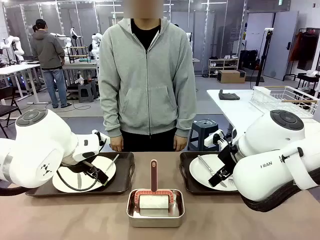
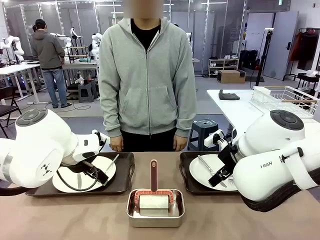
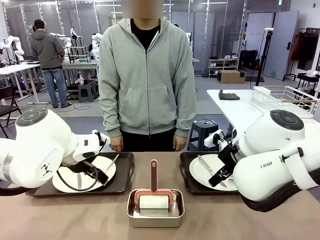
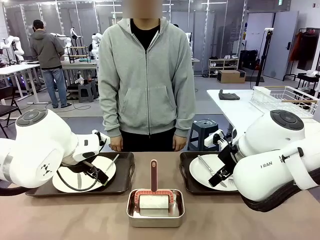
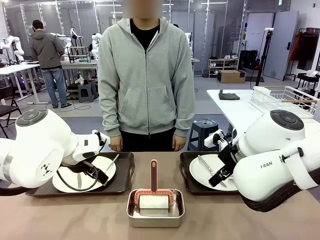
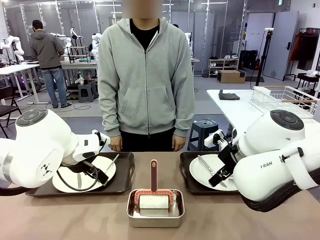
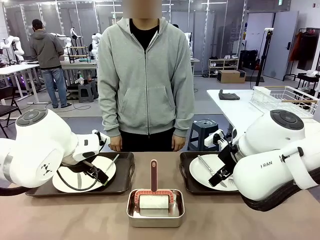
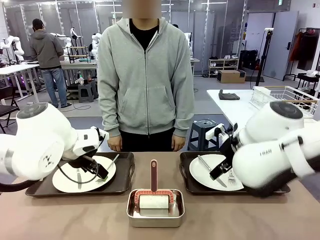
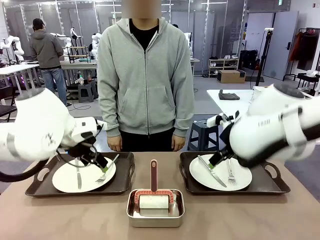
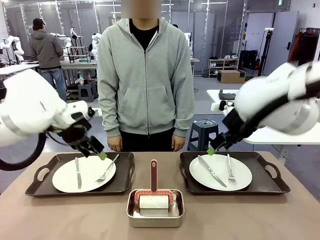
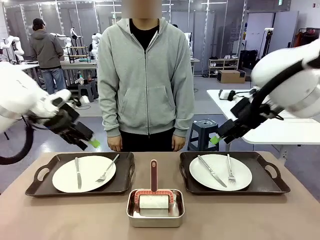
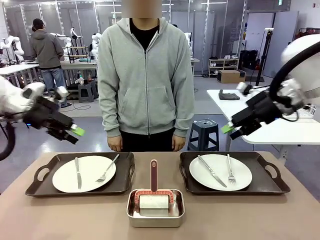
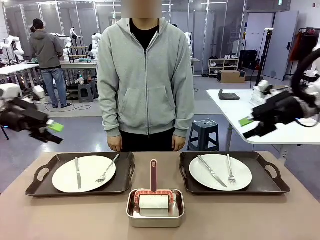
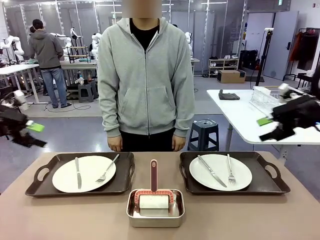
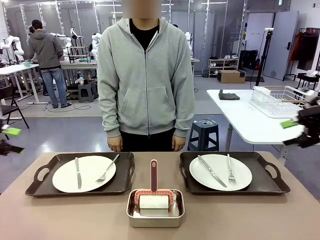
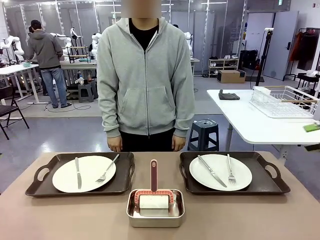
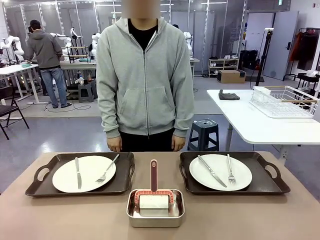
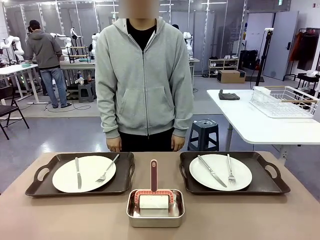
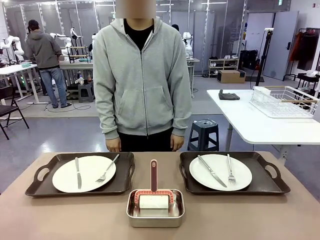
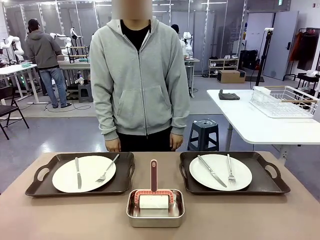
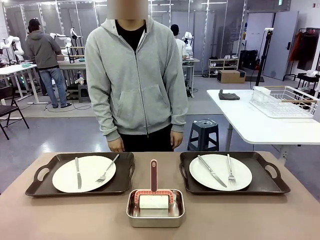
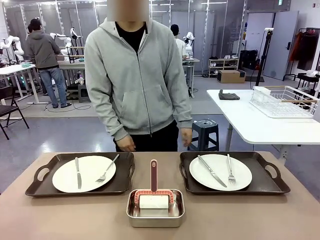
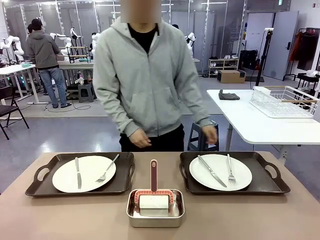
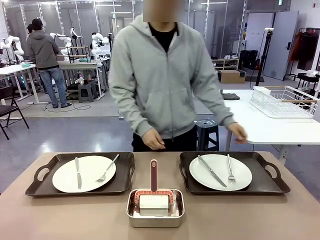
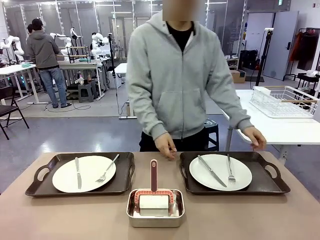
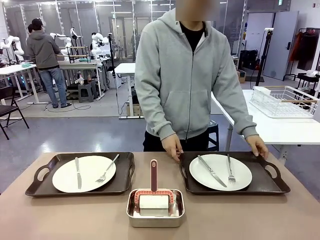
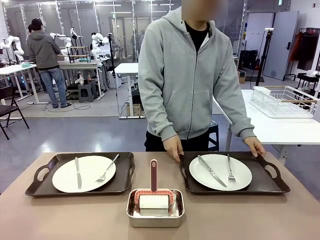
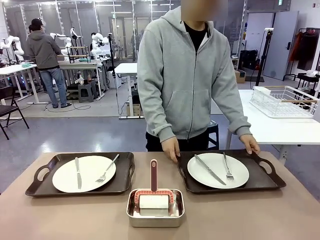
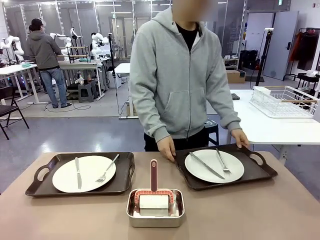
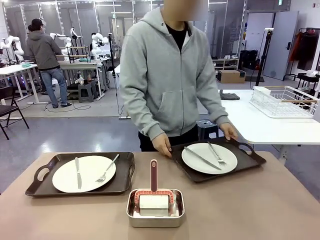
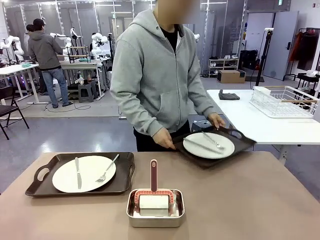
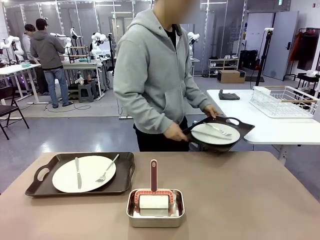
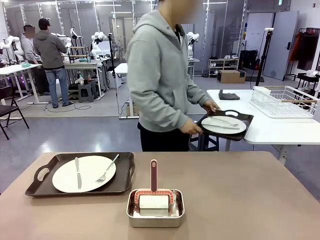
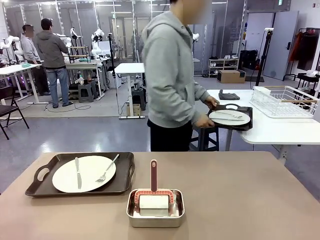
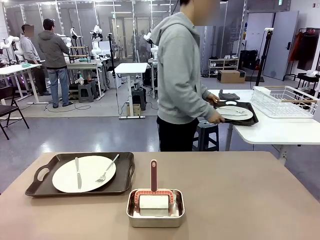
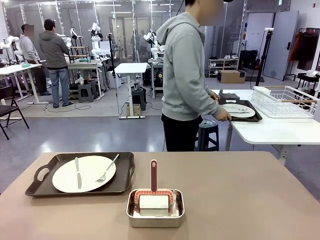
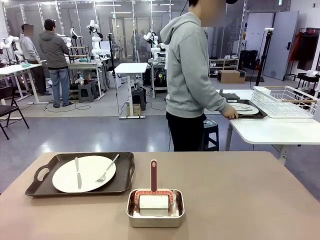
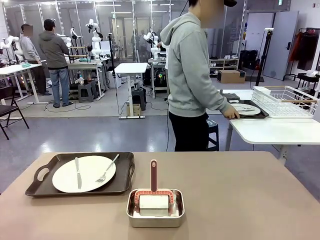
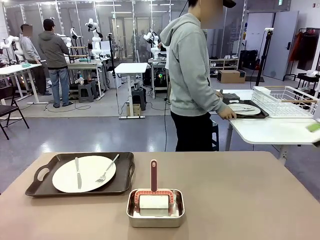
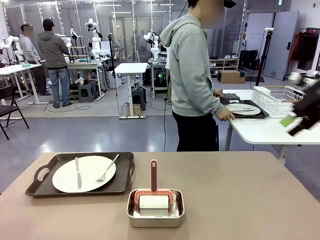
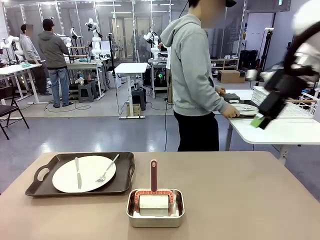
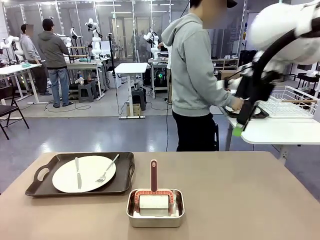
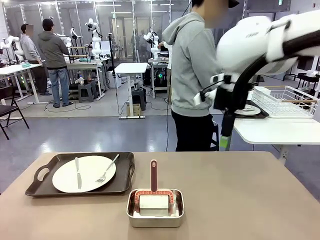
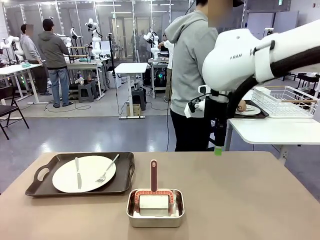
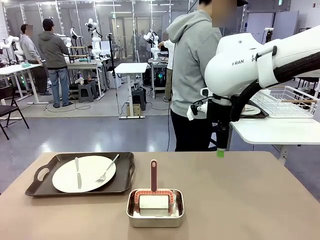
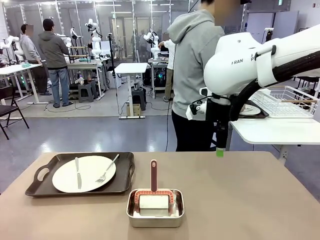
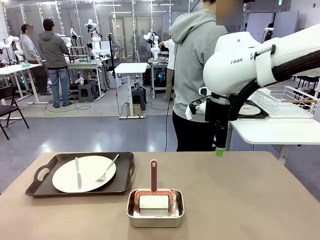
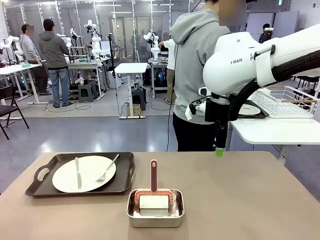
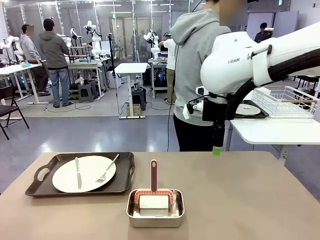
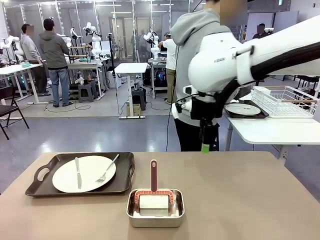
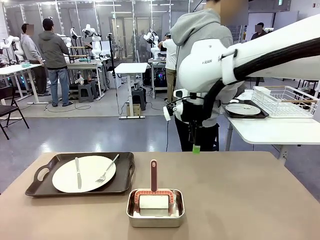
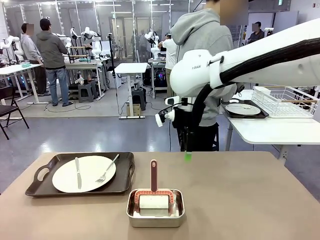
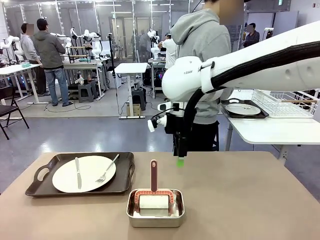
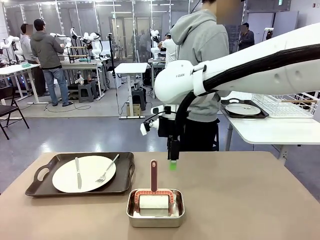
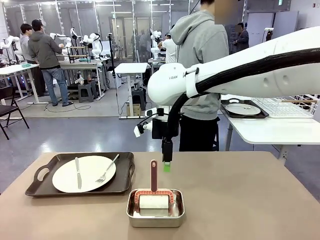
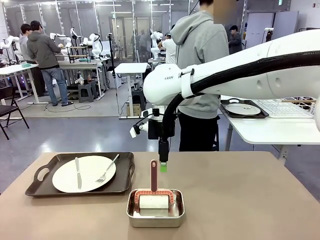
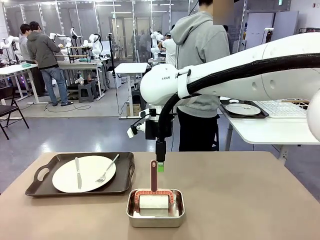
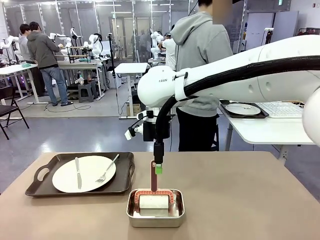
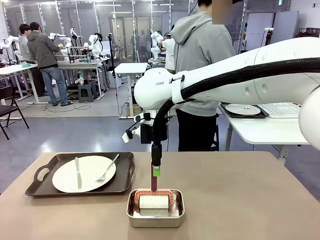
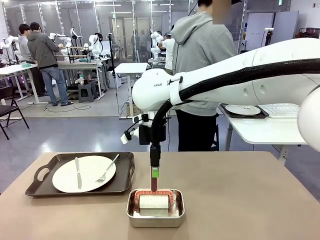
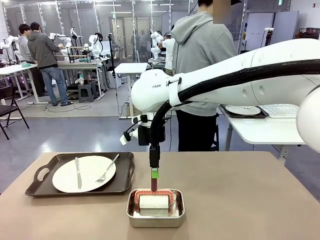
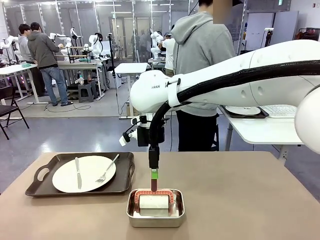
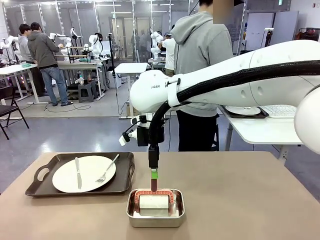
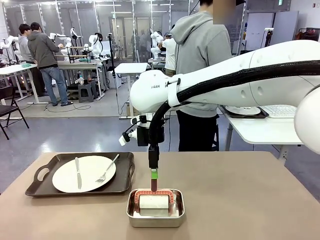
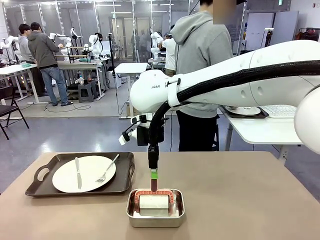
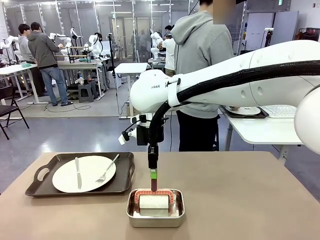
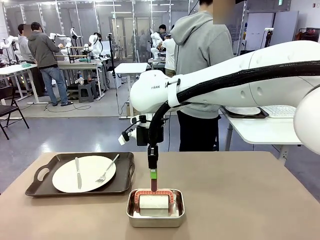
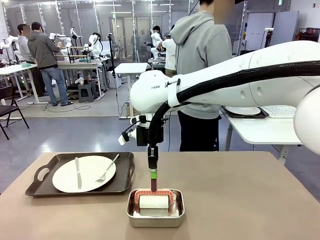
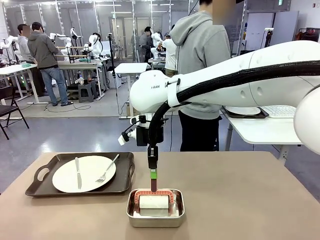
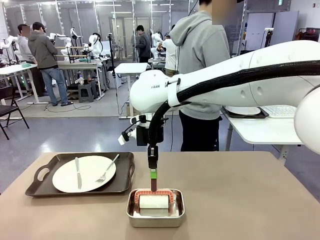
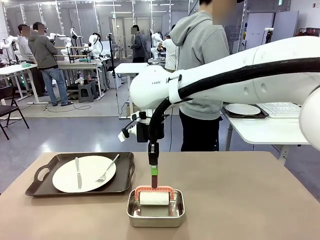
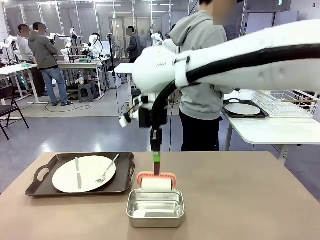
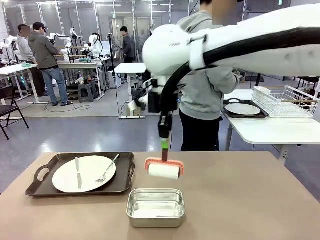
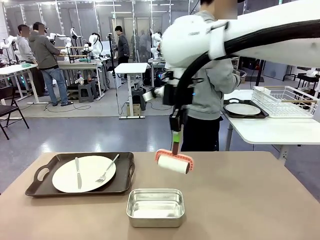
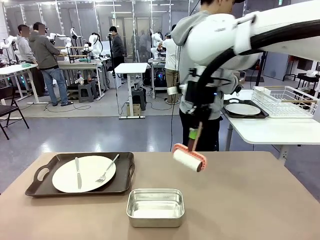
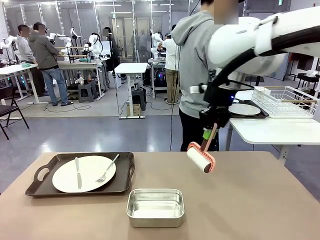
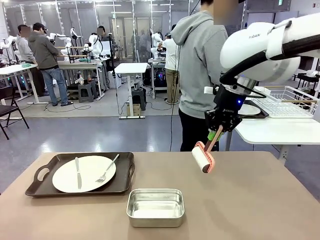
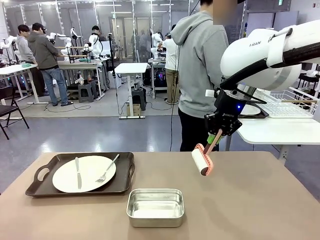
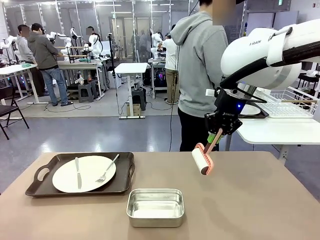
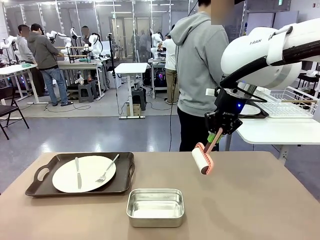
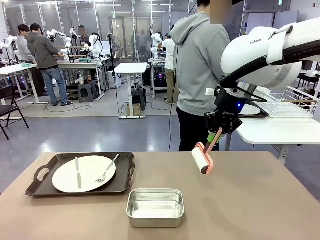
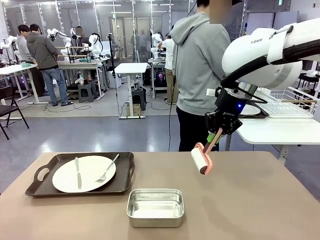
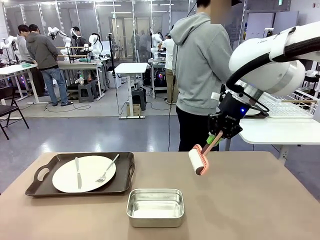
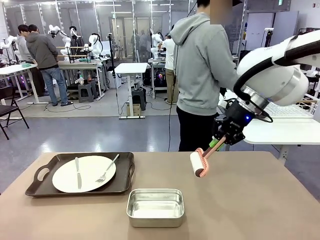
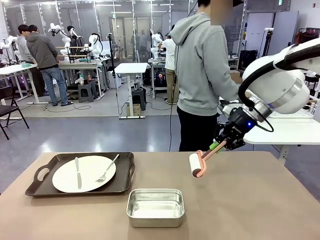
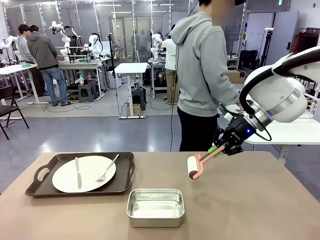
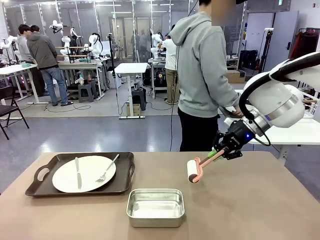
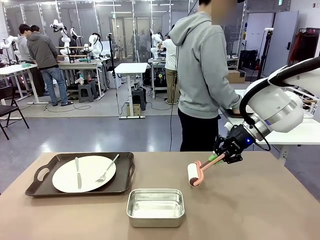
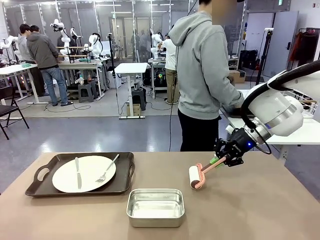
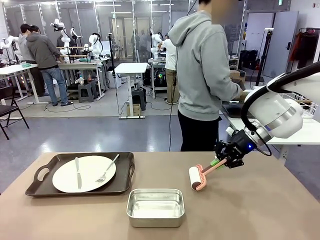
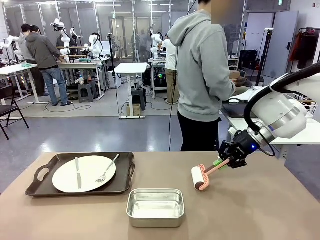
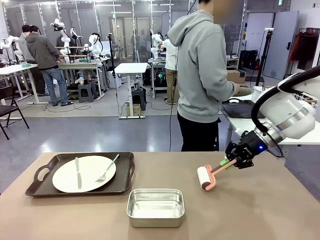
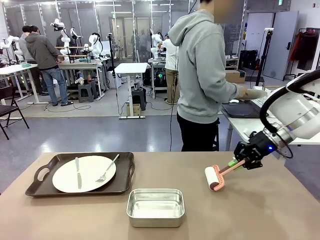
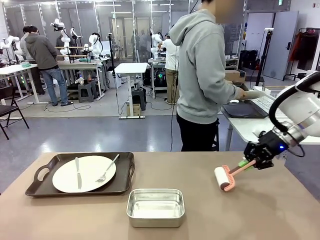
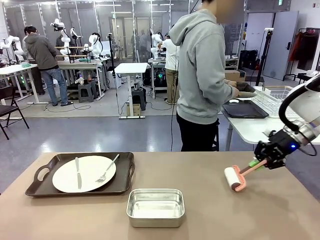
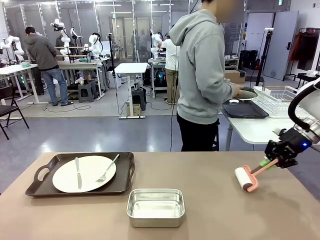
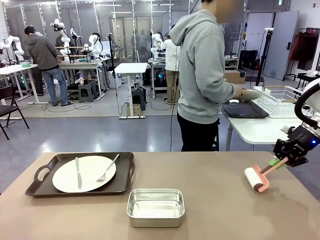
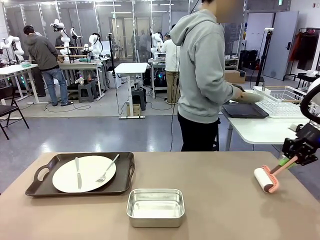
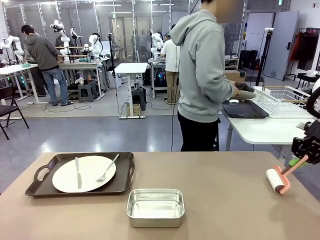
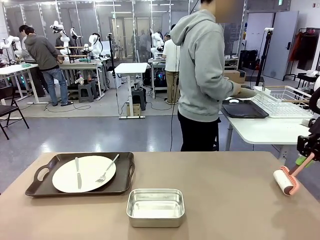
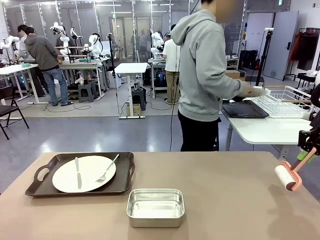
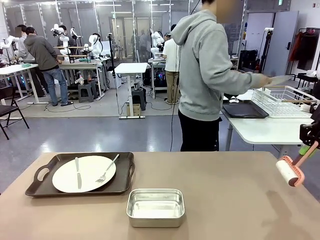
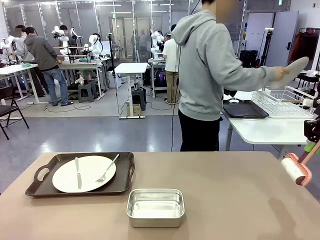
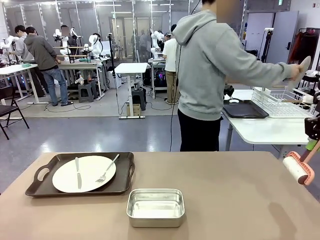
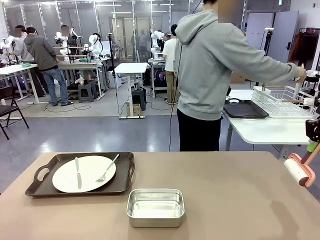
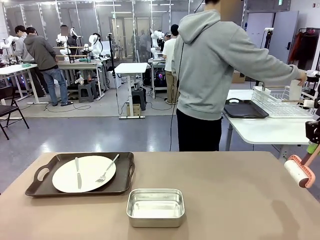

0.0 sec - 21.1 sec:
Robot: When the left (or right) Handle tray is removed, use the left hand (or right hand) to clean the left (or right) side of the table with the Lint Roller.
Person: Pick up the left (or right) Handle tray and place it on the middle of the Human's table. Use the Towel with hook to wipe the Plastic Matte Plate , Fork , and Knife and place into the Dish drying rack.
